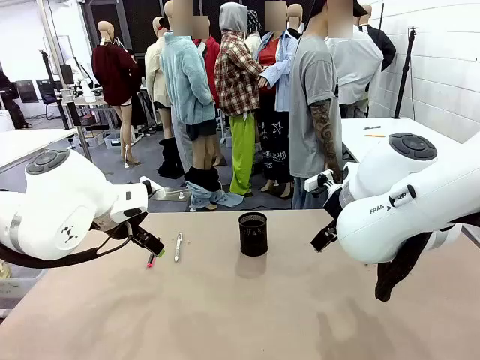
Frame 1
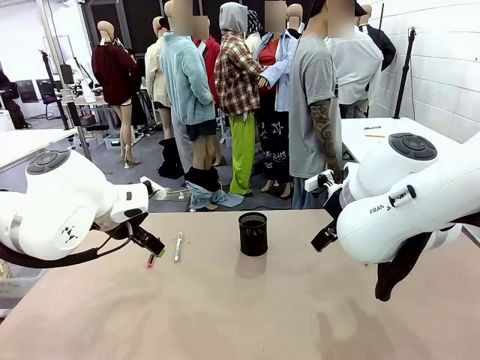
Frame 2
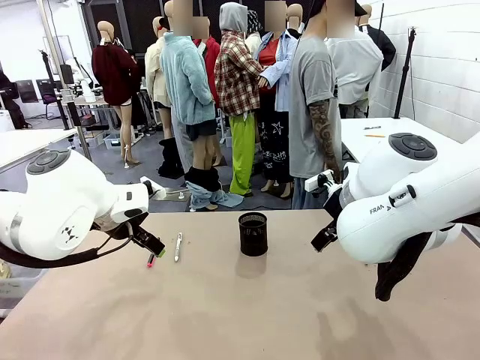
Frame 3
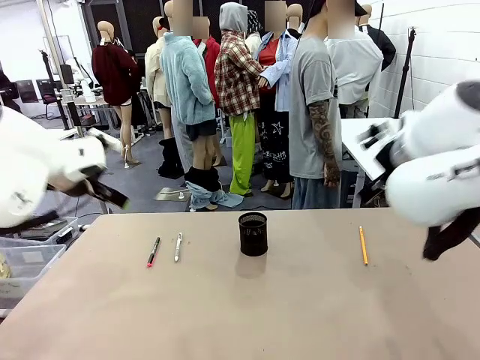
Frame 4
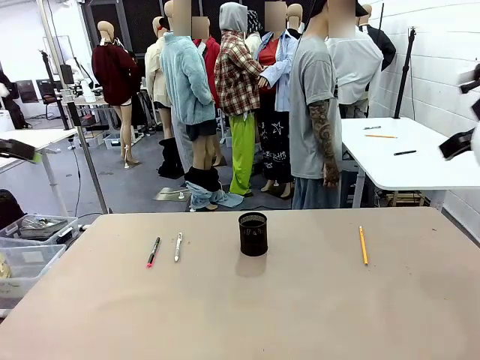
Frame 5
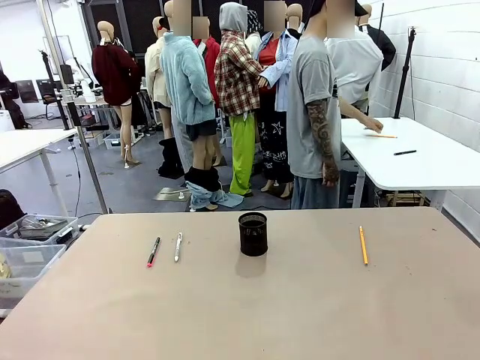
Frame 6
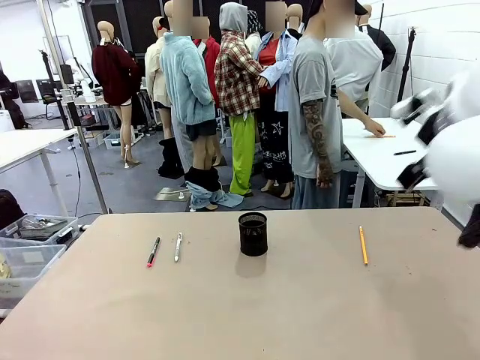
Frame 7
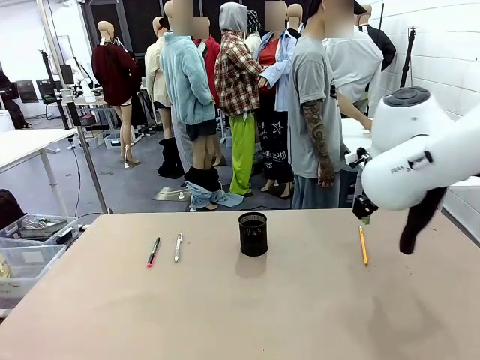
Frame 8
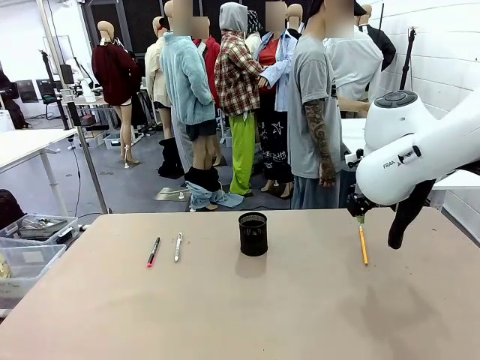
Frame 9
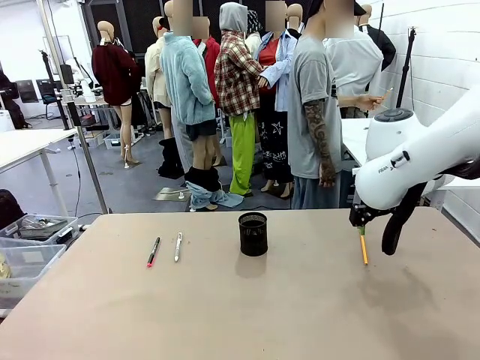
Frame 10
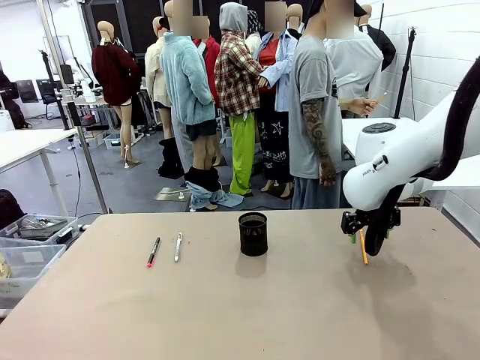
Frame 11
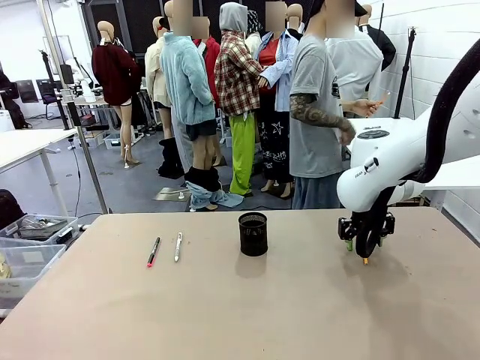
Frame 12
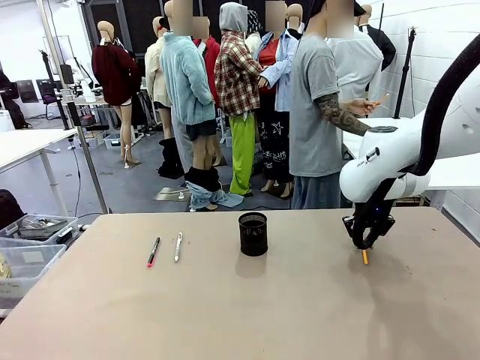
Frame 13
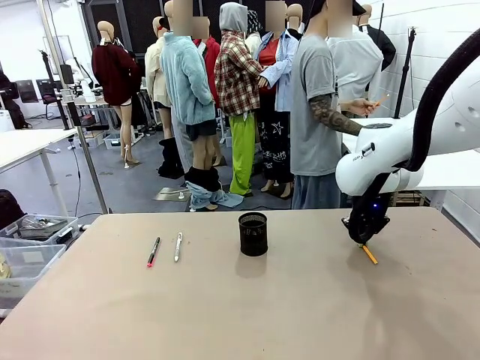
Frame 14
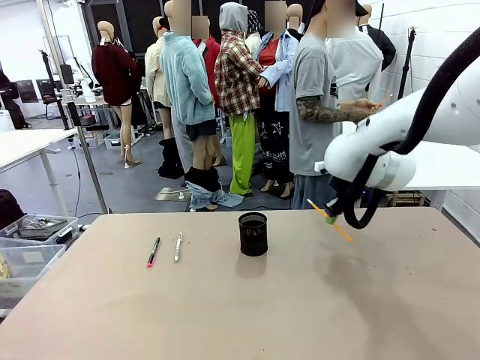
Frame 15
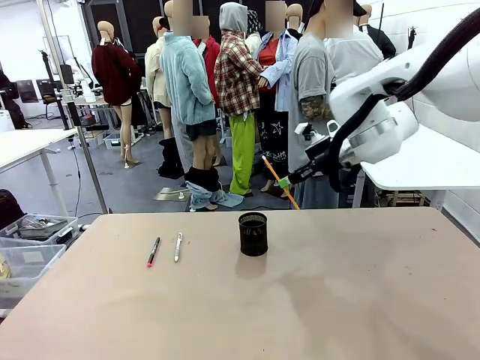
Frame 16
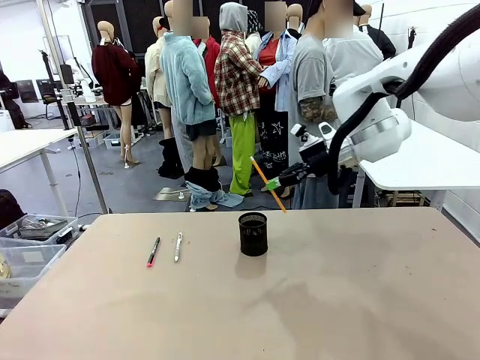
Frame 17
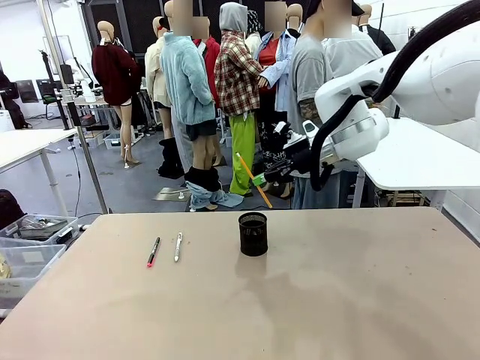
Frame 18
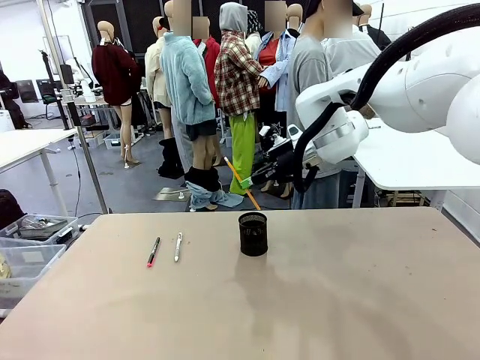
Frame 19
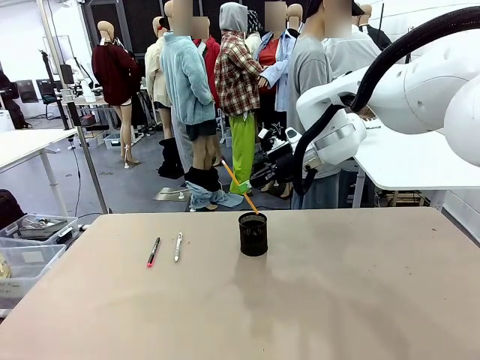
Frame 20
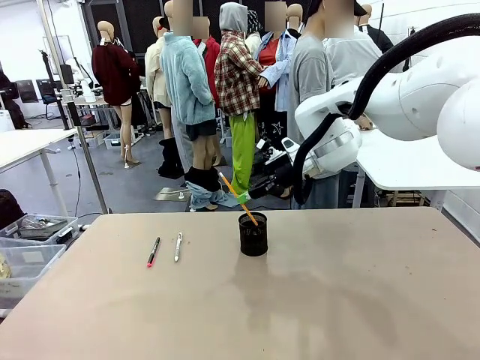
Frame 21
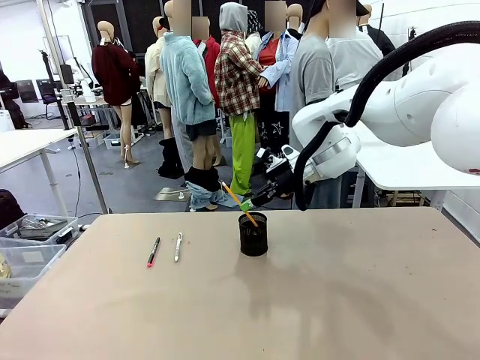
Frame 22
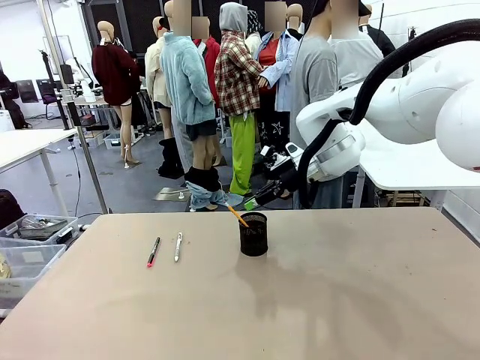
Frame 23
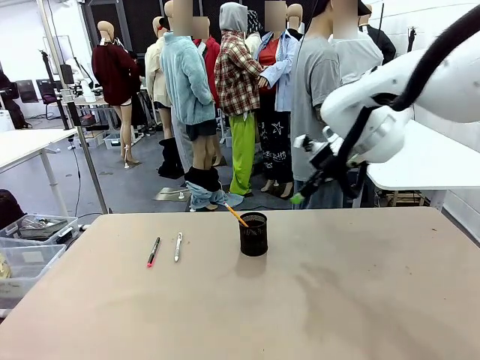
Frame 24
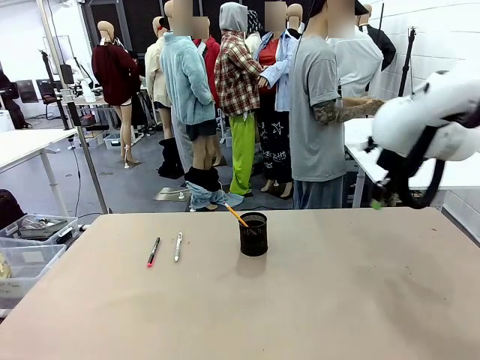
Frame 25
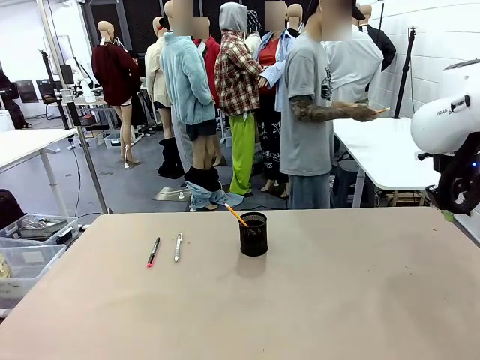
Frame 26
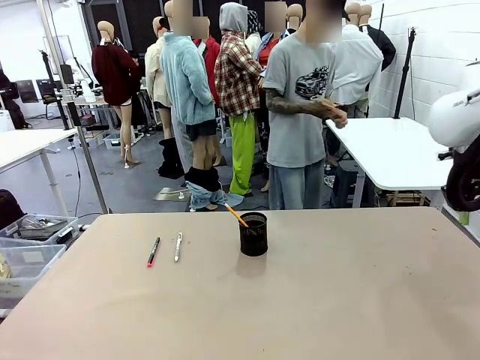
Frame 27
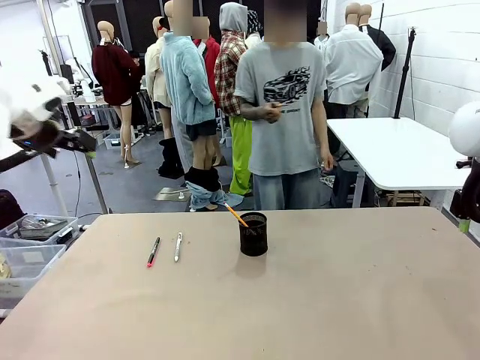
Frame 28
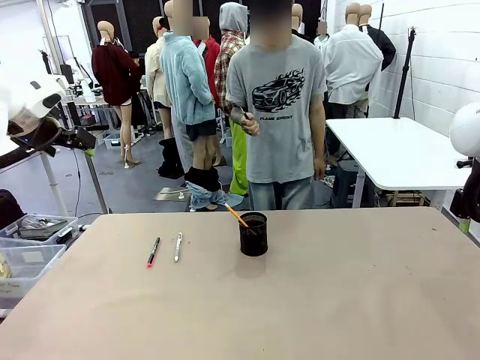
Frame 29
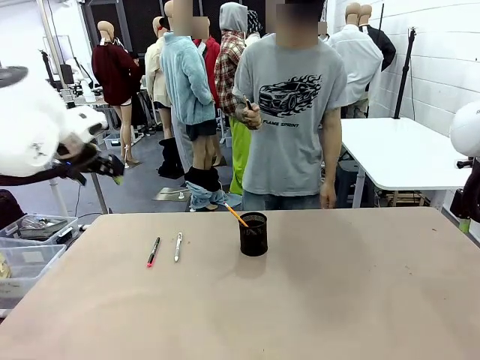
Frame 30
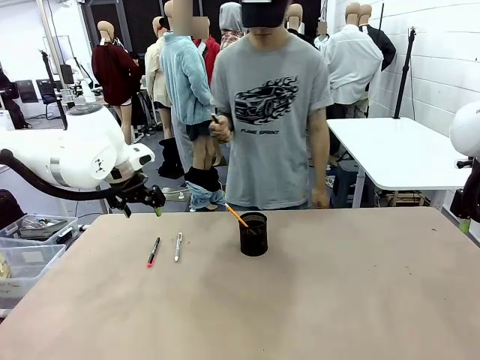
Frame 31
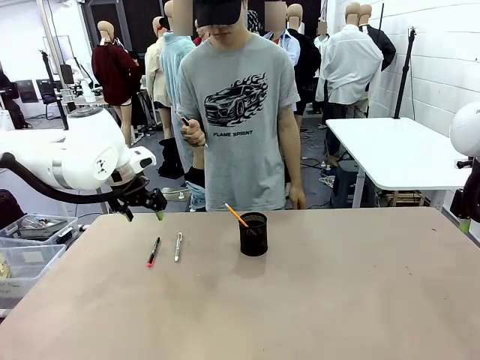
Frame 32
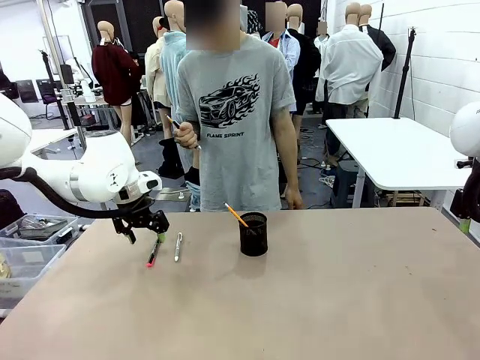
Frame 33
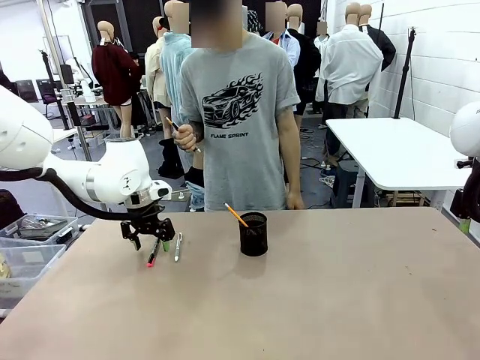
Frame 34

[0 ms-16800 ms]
Task: Place the pens into the pen holder.
Robot: Pick up a writing instrument from the table and place it into the Pen holder.
Person: Pick up all writing instruments from the Human table.
